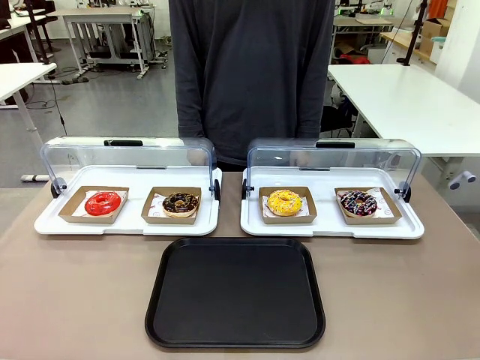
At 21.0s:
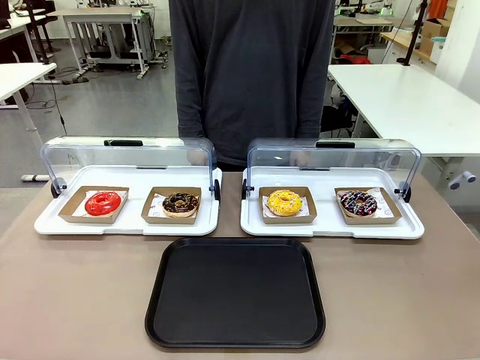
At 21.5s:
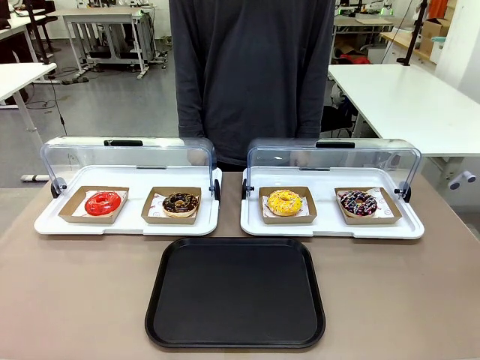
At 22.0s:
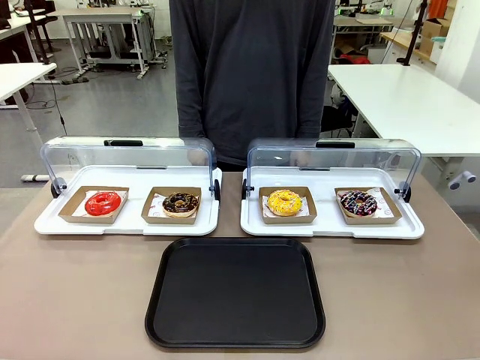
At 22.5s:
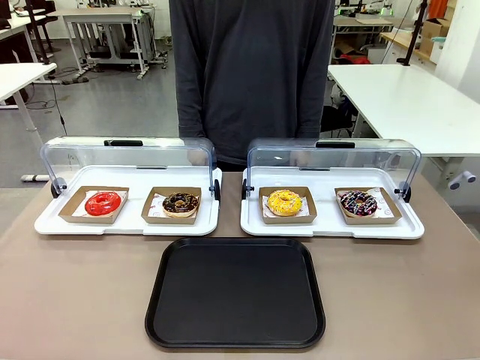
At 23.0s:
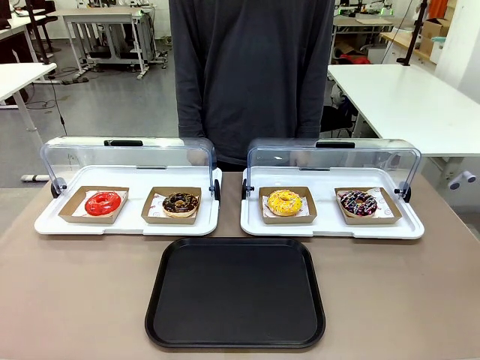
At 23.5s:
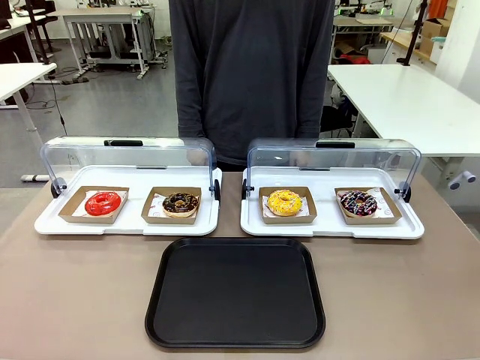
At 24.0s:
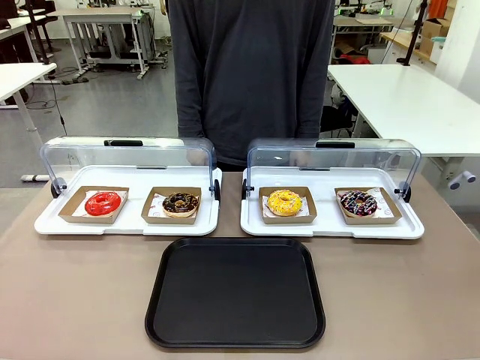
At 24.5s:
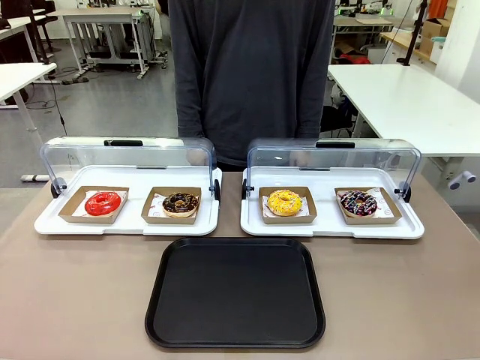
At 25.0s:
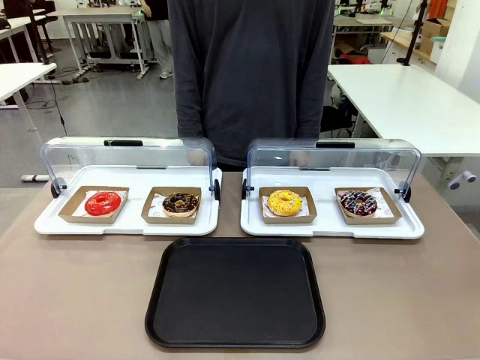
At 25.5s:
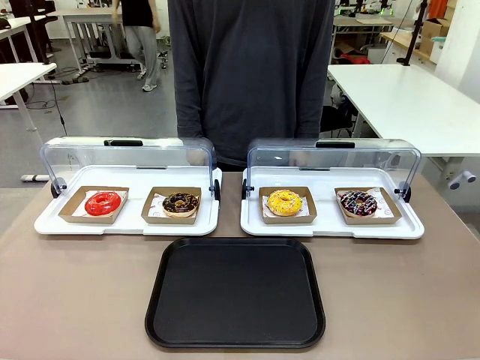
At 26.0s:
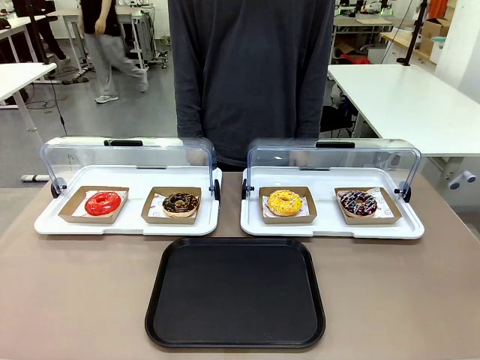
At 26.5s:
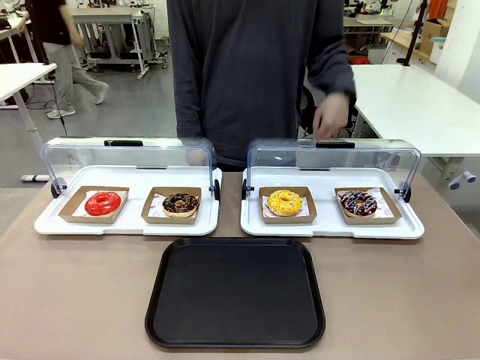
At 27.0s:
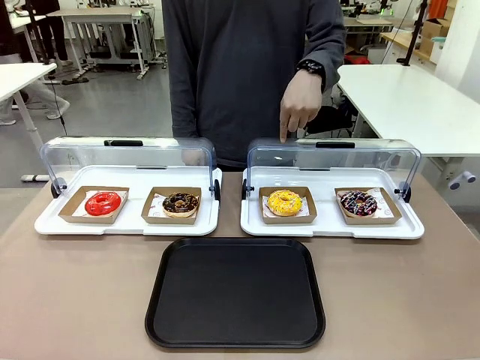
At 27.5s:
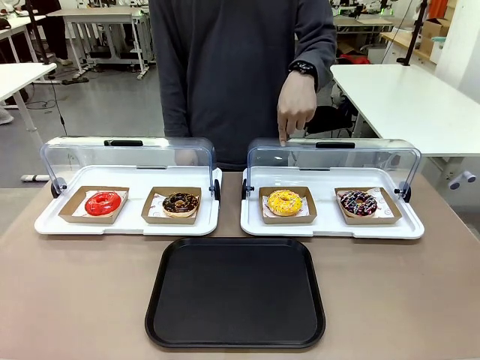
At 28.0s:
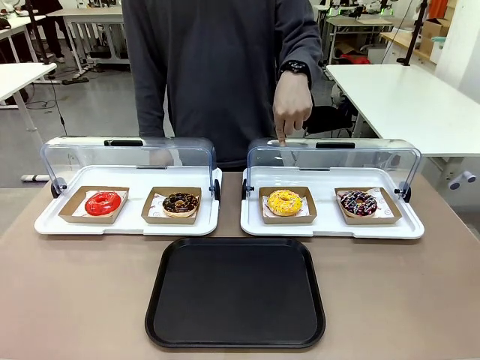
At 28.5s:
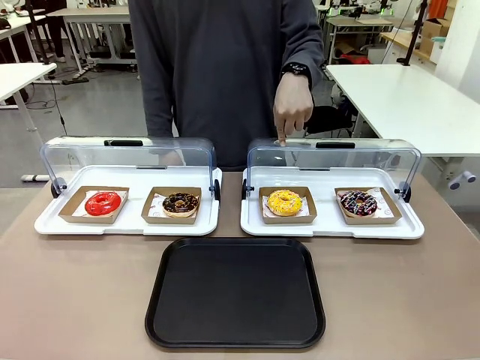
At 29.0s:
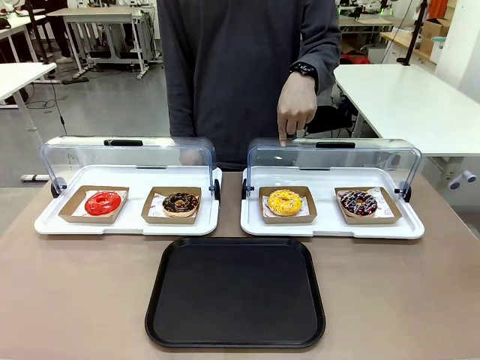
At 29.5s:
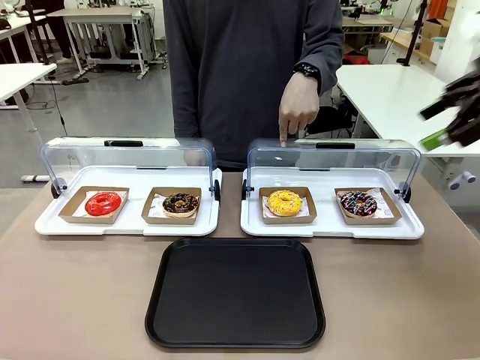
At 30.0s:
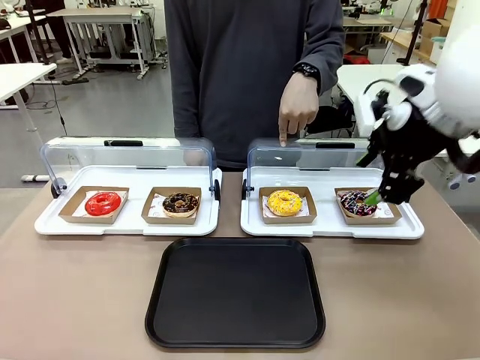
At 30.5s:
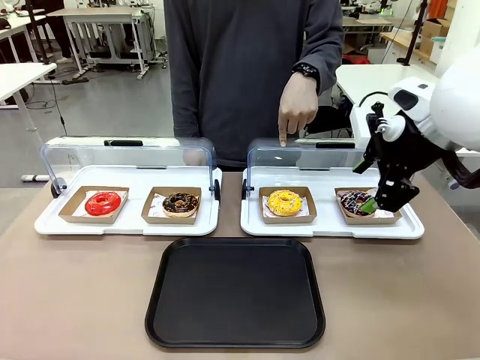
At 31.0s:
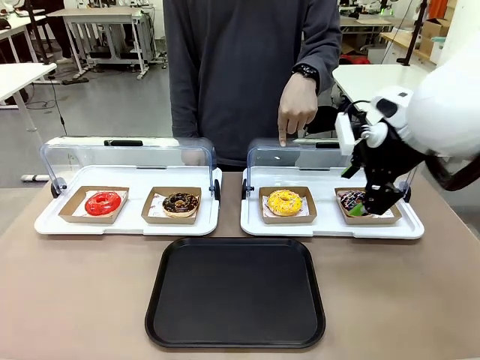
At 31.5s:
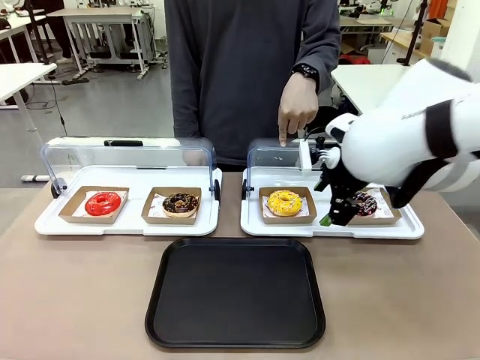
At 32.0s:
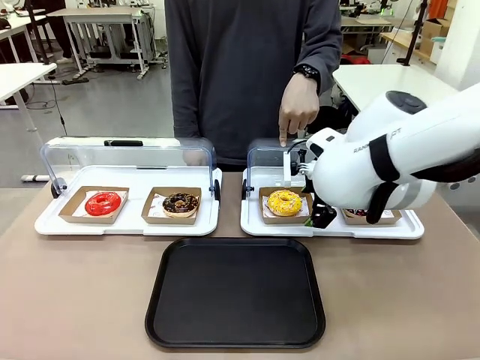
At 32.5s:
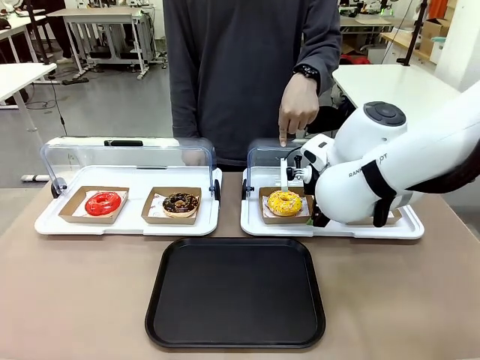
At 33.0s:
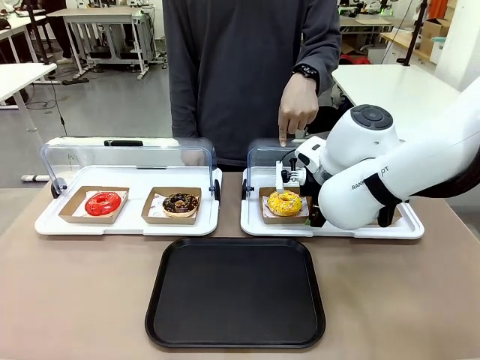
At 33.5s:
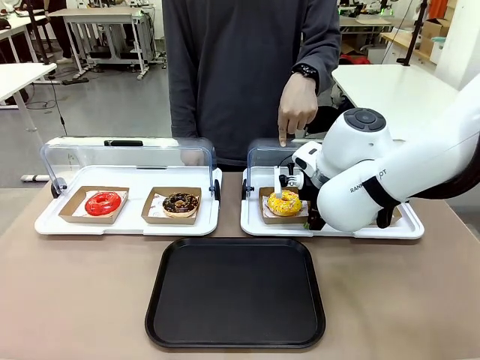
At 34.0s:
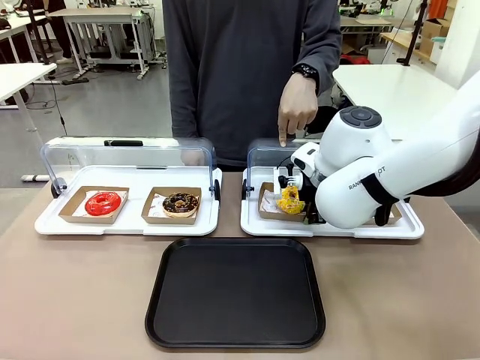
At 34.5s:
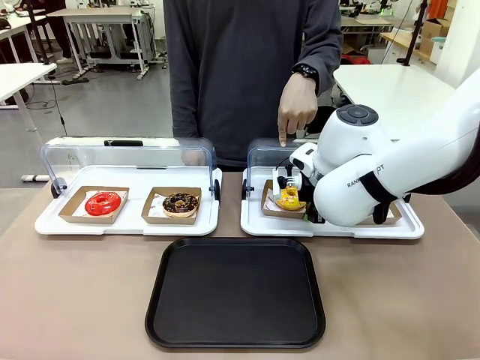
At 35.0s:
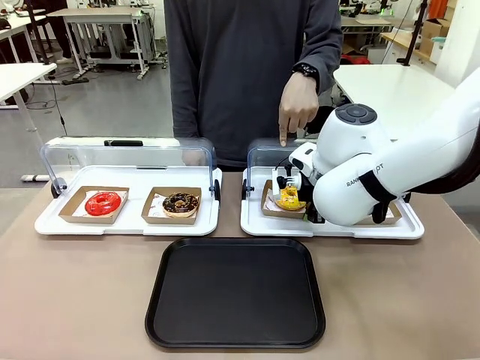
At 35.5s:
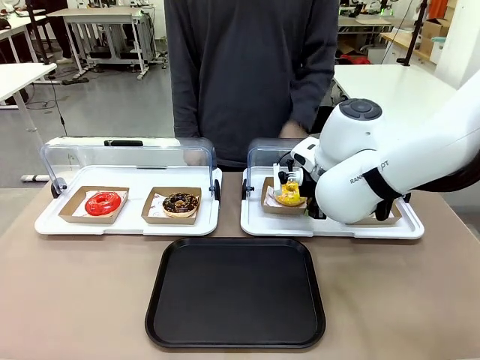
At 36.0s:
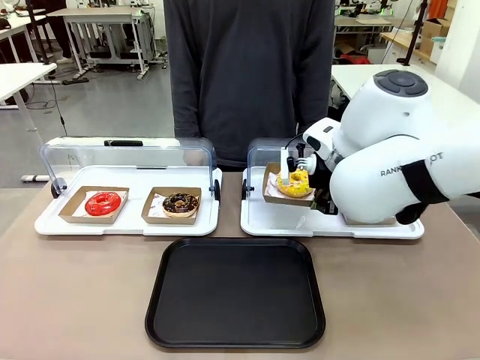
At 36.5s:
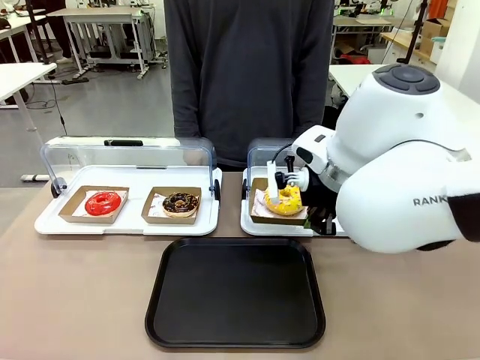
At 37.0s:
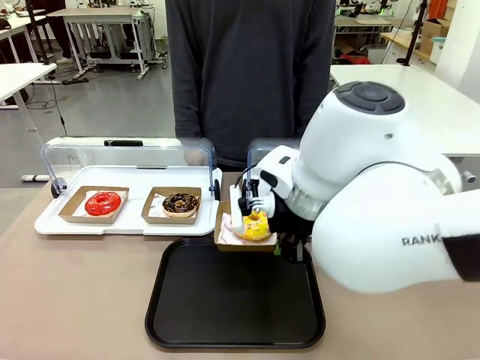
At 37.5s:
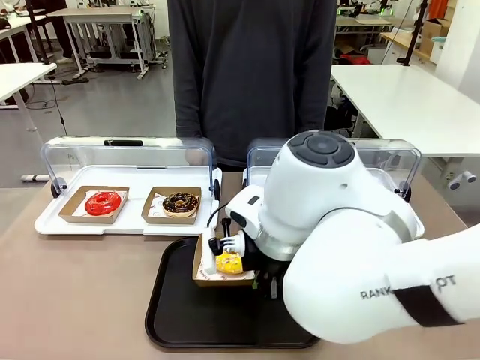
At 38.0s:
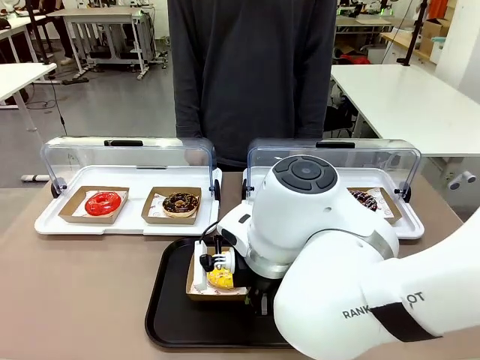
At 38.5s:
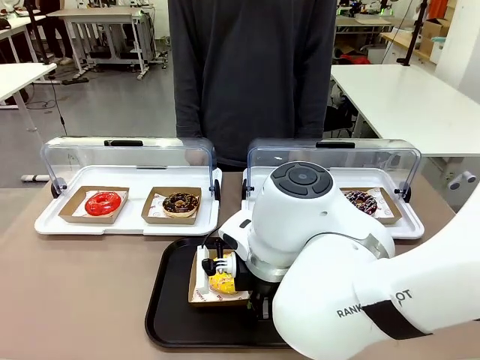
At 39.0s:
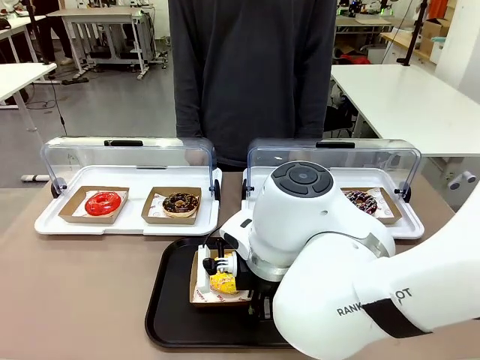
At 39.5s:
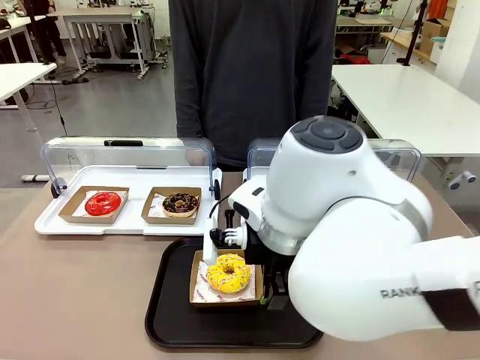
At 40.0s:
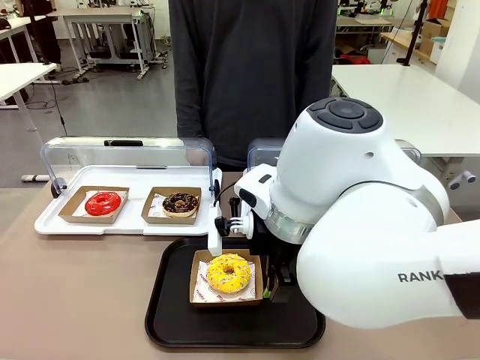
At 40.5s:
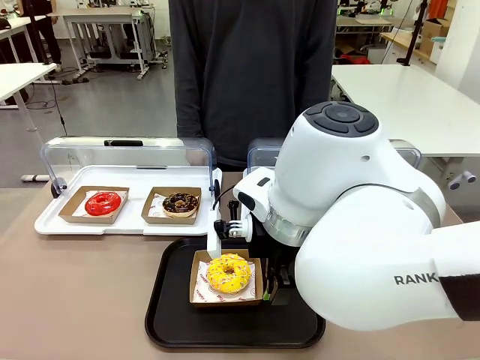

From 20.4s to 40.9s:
Task: Move the third donut from the left to the tray.
Robot: Pick up the Paper togo box containing the Donut indicated by the person and place it on the Handle tray.
Person: Points to the third donut from the left from the robot’s perspective.
